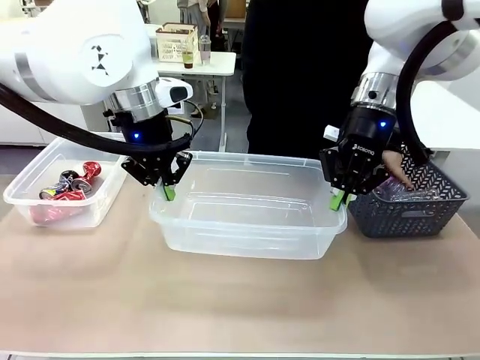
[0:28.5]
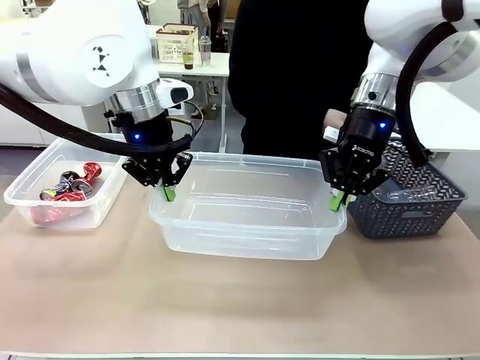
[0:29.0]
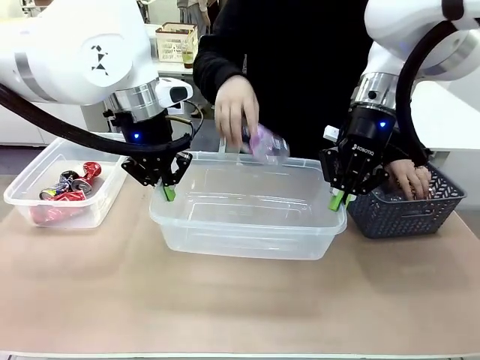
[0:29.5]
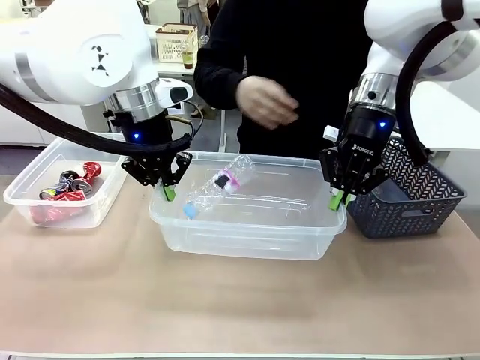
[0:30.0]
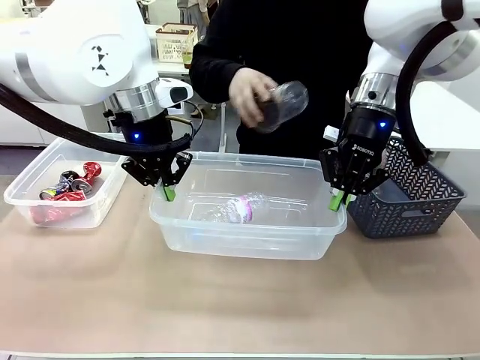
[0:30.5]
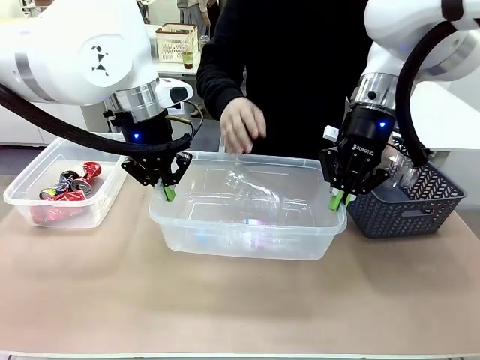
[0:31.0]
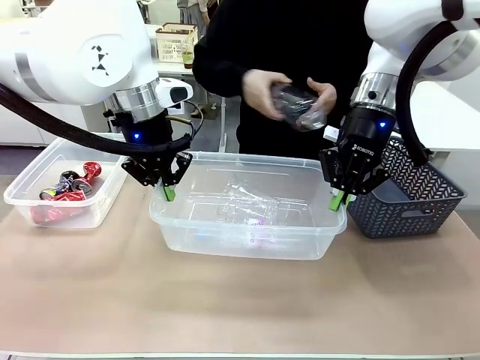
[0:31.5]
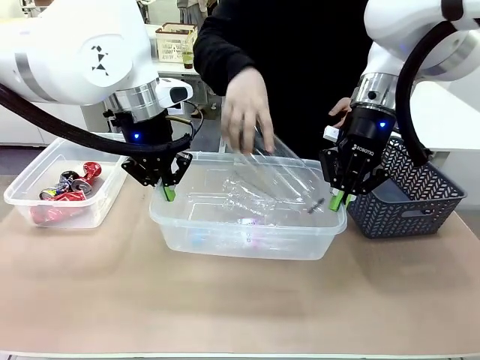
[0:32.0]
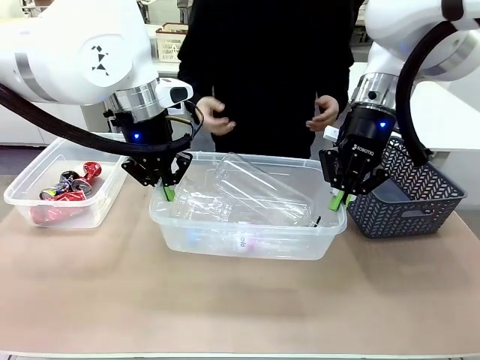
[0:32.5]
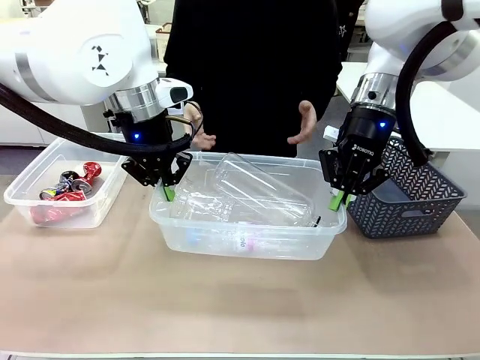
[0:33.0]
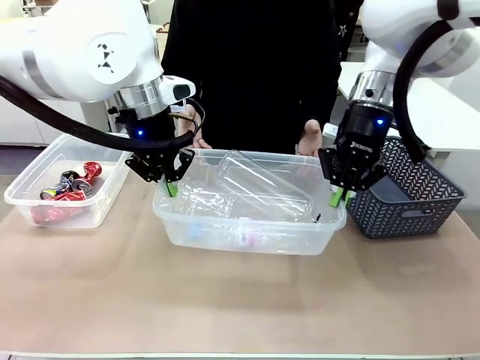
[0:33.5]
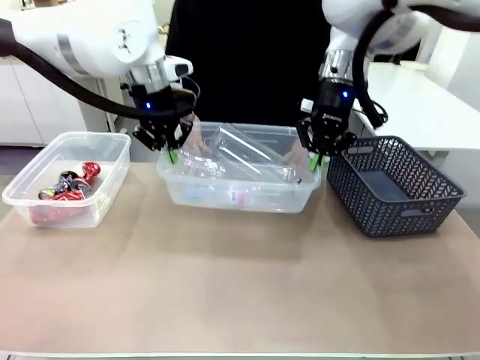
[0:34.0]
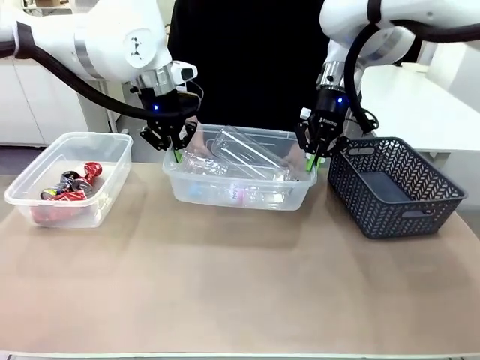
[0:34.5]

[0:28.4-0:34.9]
Robot: Offer the picked Organizing box to the human.

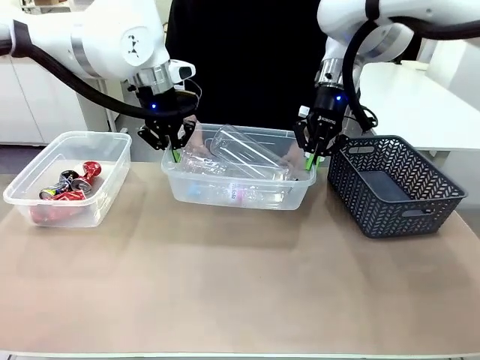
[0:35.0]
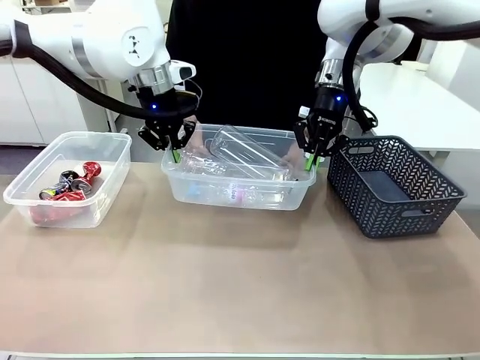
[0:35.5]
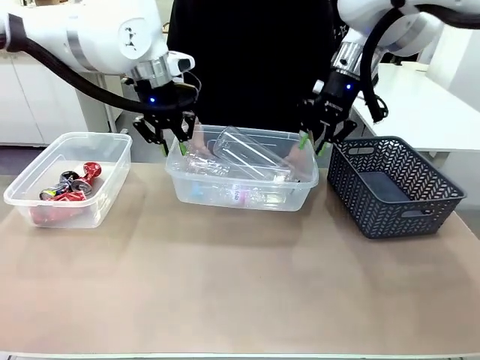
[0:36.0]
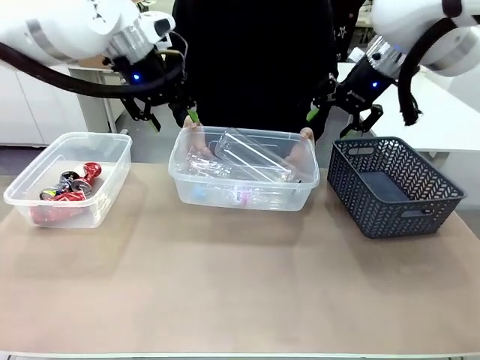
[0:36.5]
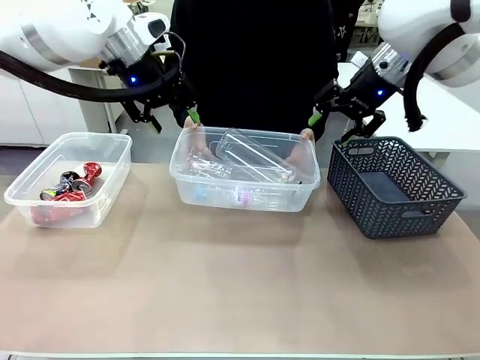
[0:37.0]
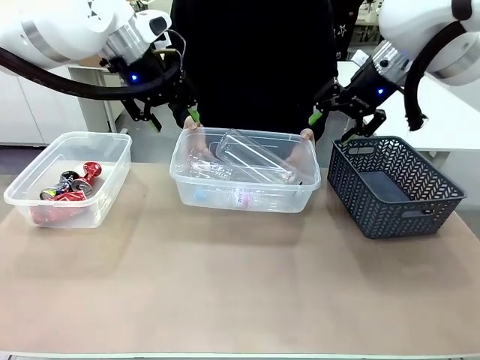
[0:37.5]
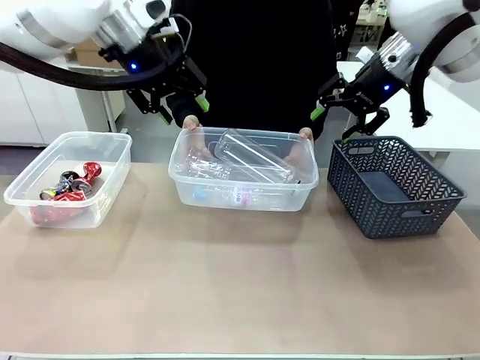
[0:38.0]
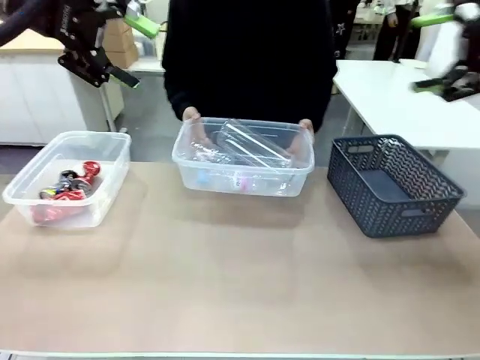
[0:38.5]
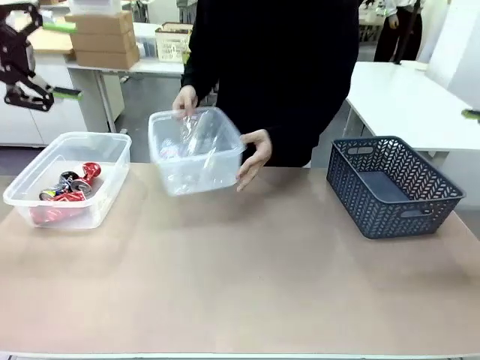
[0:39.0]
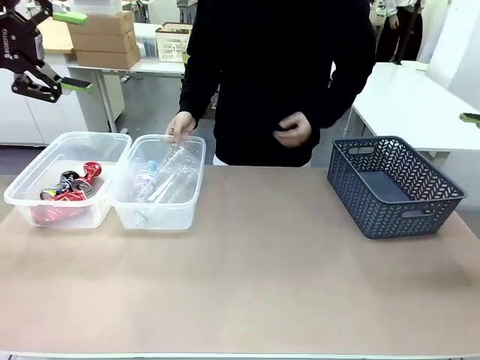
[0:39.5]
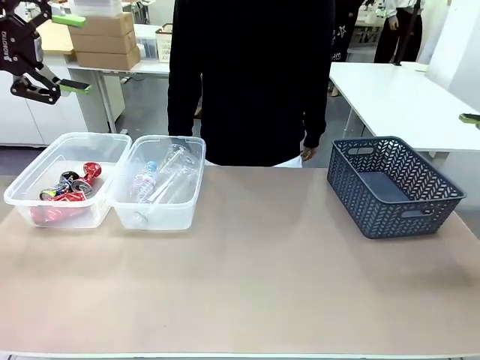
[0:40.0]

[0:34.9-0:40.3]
Robot: Release the Organizing box you were holding.
Person: Pick up the organizing box extended by the robot. Place the organizing box to the left of the sorting box containing the can waste.

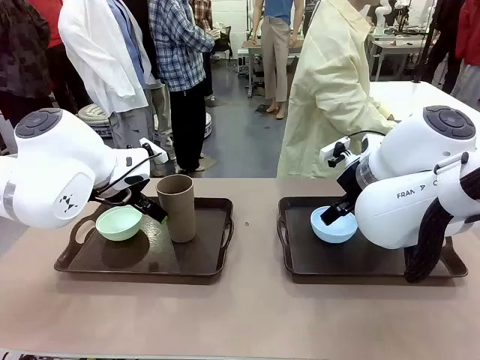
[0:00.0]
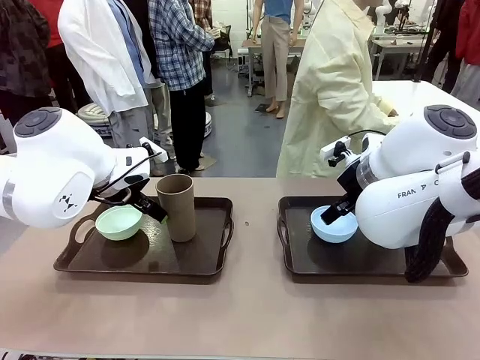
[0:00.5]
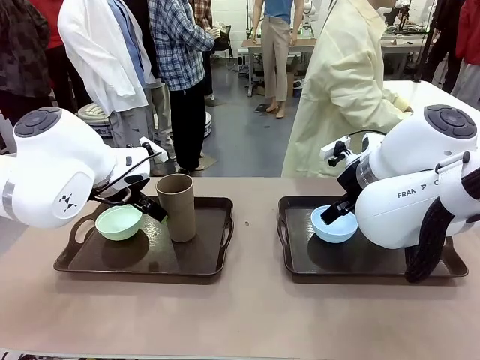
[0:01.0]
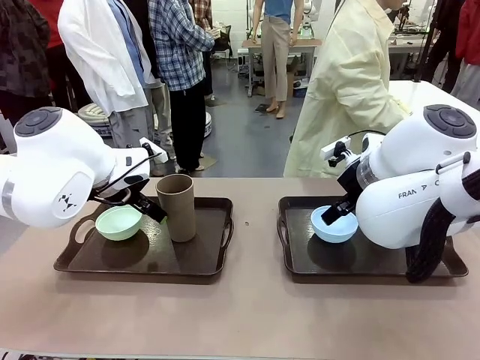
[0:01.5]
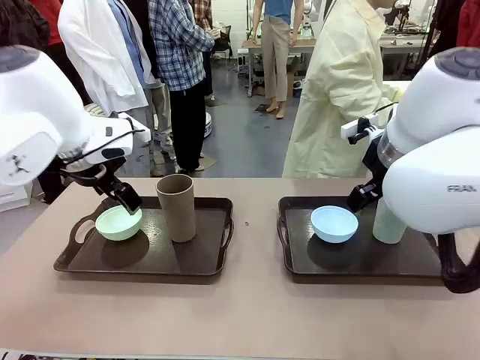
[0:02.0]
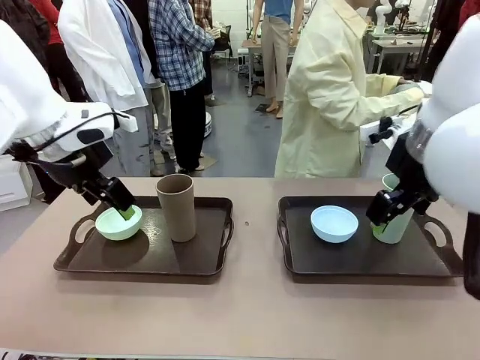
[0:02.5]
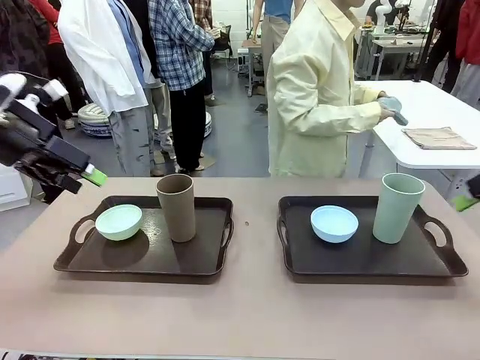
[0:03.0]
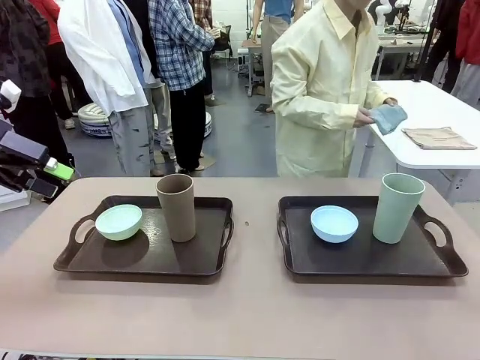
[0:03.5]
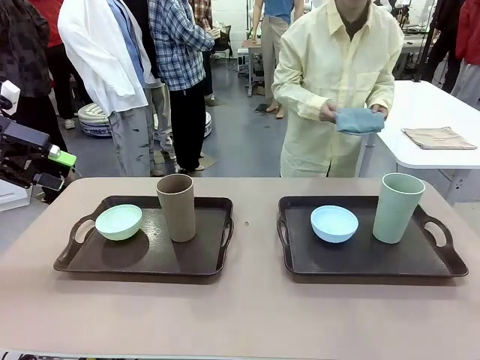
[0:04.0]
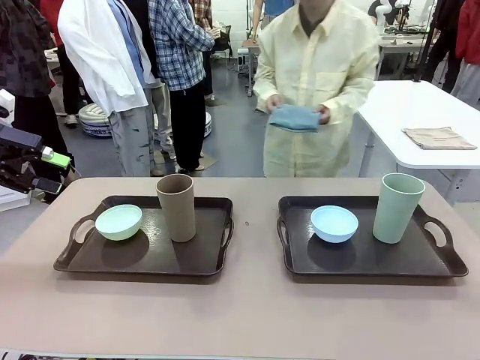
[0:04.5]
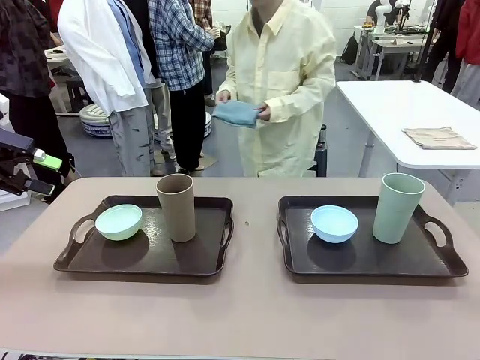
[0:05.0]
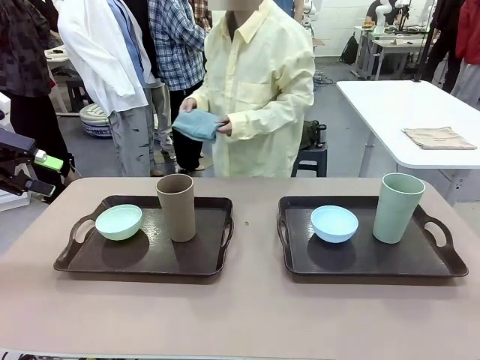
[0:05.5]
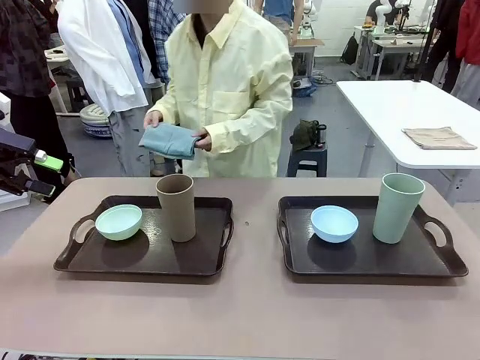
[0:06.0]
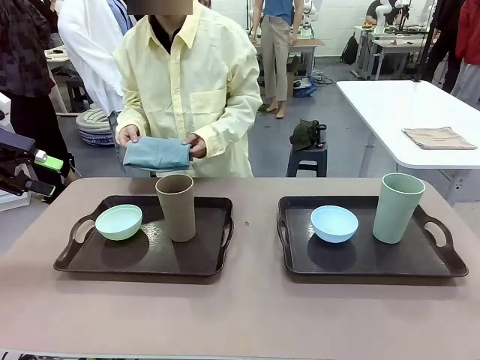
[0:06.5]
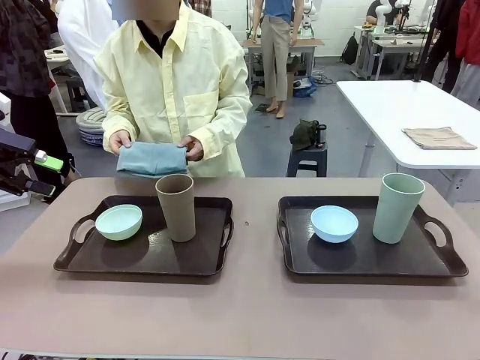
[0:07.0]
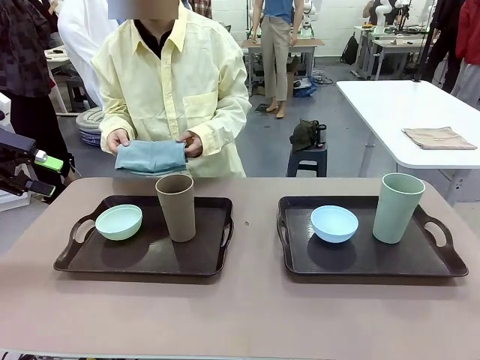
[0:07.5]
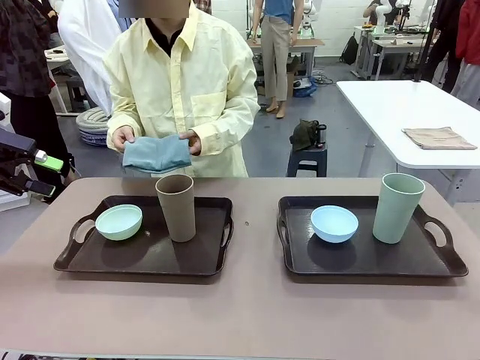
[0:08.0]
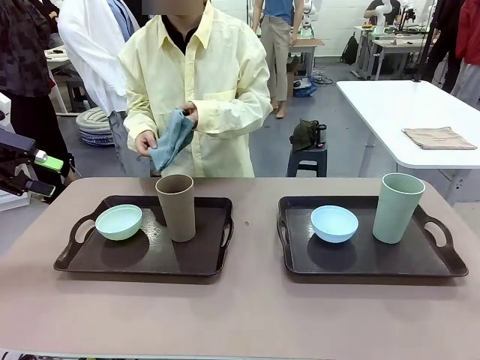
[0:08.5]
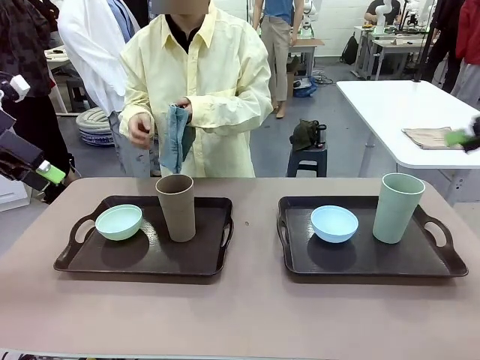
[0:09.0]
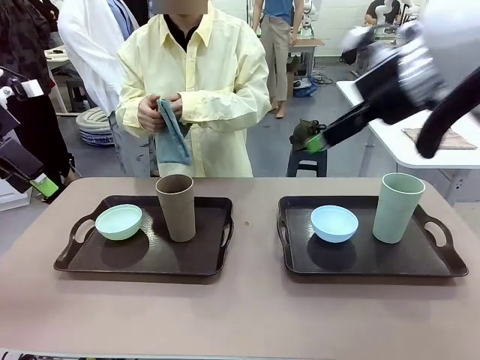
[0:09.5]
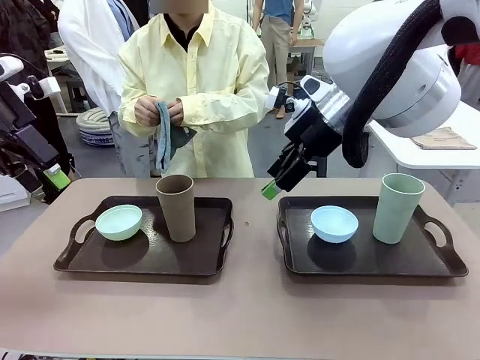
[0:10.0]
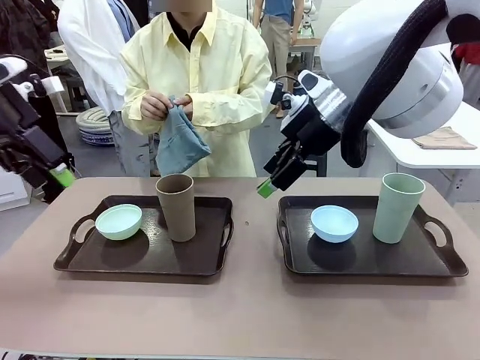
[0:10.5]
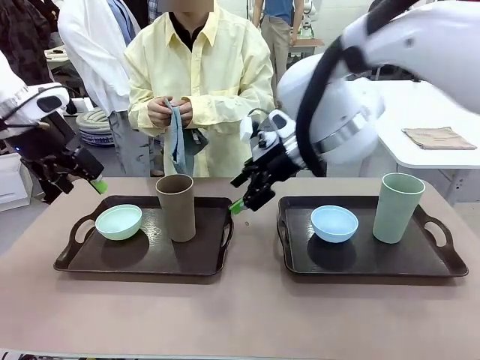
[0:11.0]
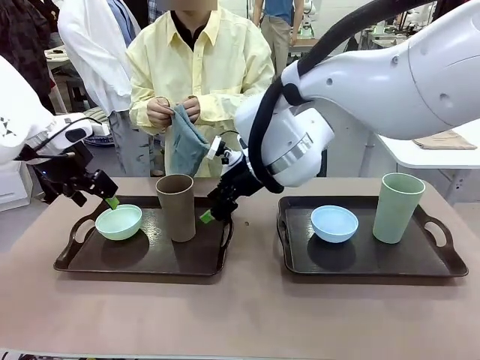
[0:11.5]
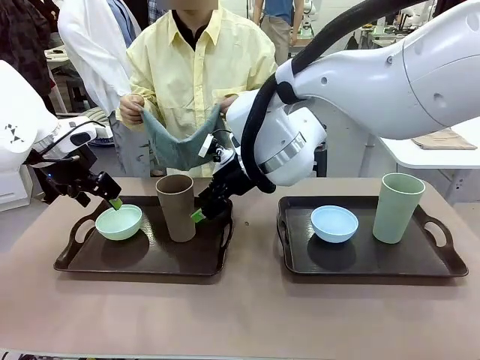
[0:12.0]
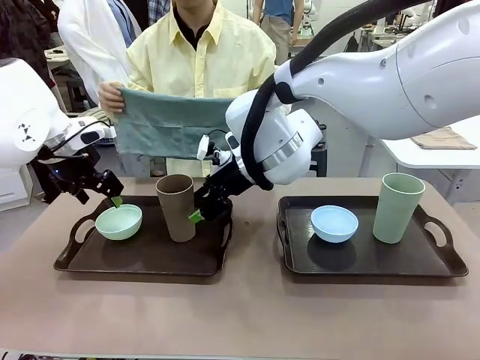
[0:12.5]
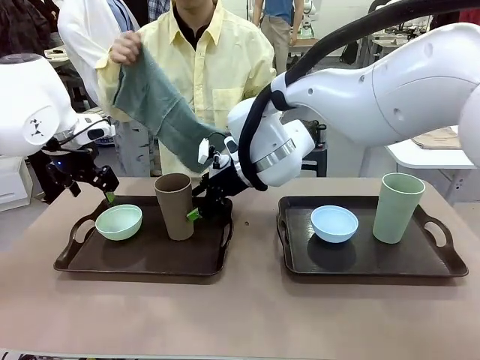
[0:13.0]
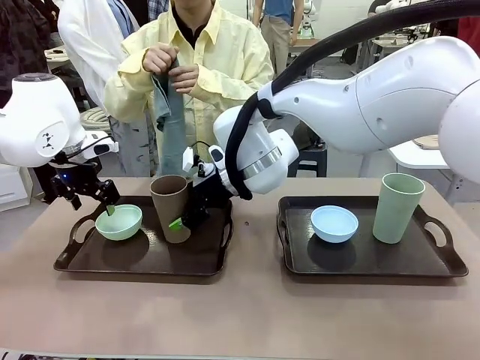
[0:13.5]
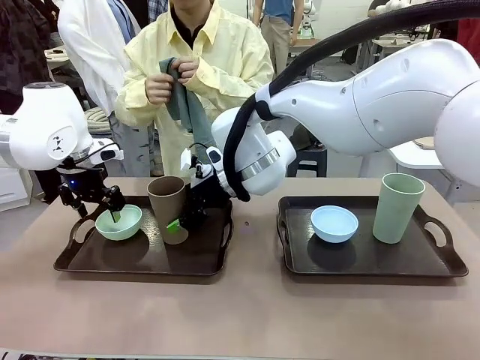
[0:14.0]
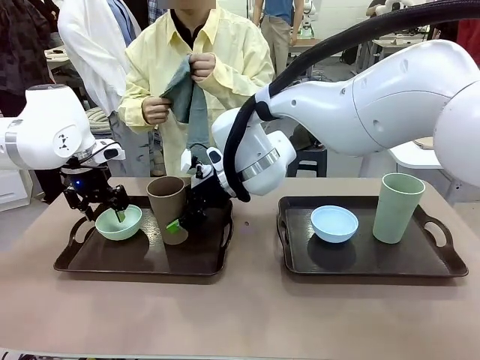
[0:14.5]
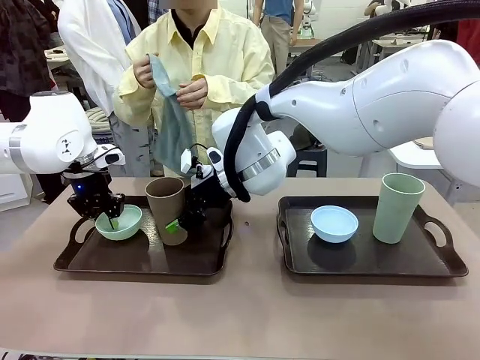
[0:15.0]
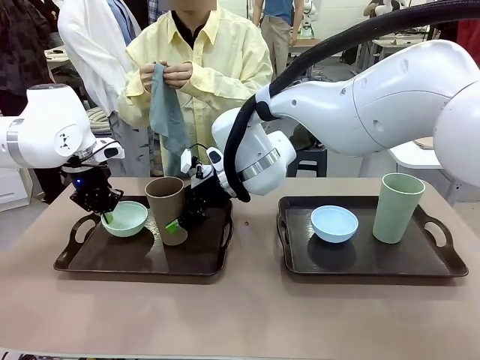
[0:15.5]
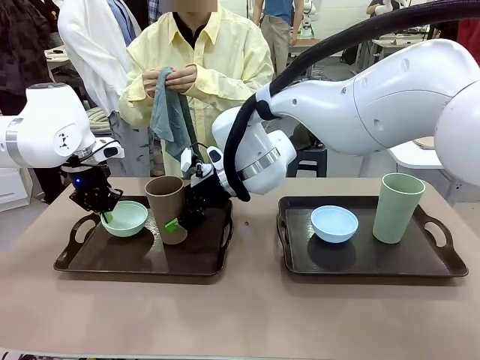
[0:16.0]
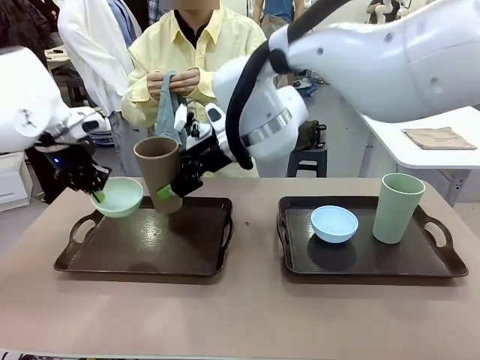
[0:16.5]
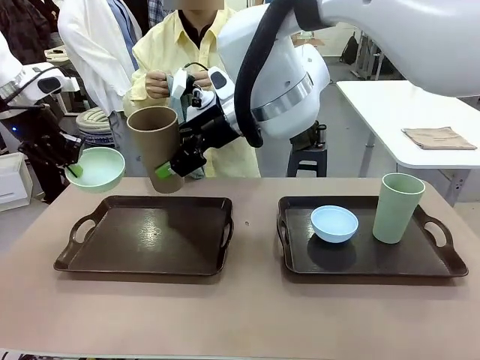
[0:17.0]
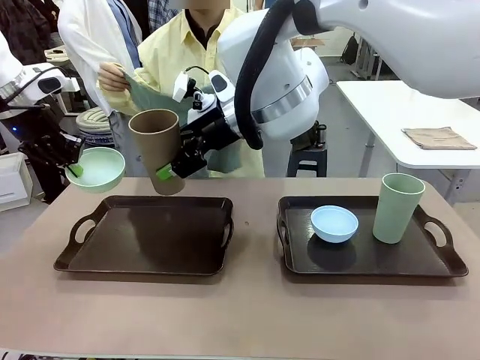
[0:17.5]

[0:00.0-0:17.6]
Robot: Pick up the Picnic Bowl and Reusable plastic cup from the Handle tray in front of the human's position and hold them in the air.
Person: The human picks up the top napkin from the stack on the human table and walks to the robot table to stand in front of one of the two trays. When the robot lifts the bowl and the cup, the human unfolds the napkin and lays the napkin flat on the tray.
